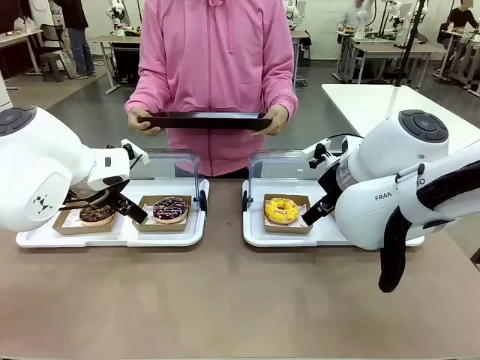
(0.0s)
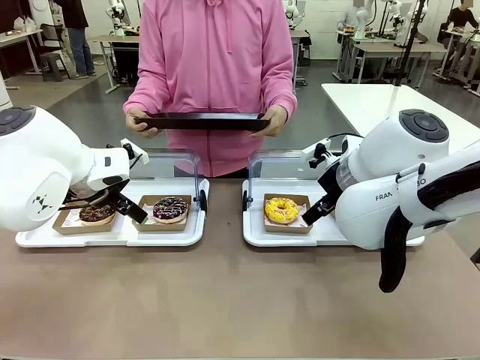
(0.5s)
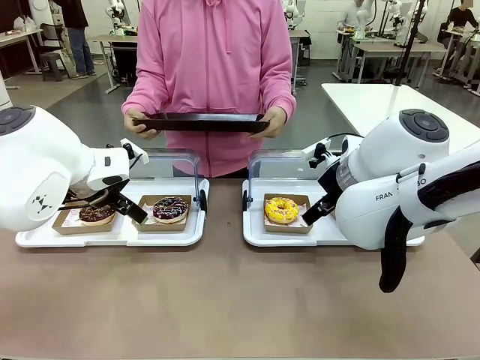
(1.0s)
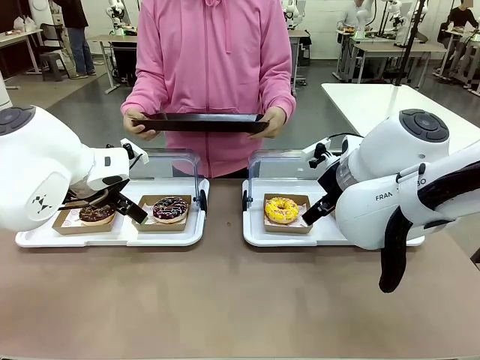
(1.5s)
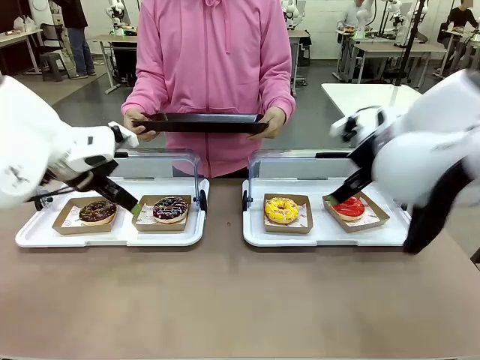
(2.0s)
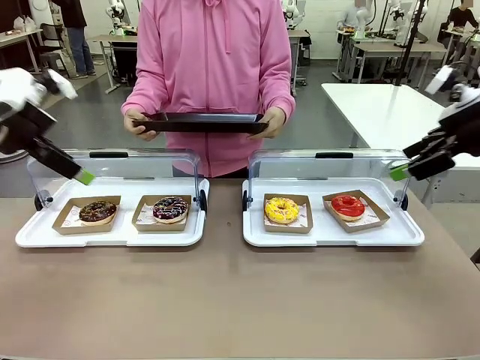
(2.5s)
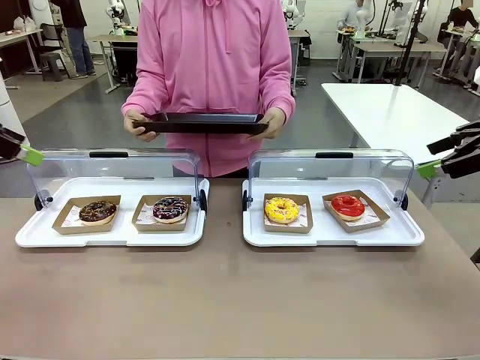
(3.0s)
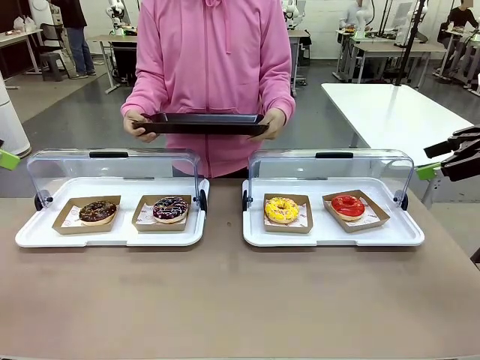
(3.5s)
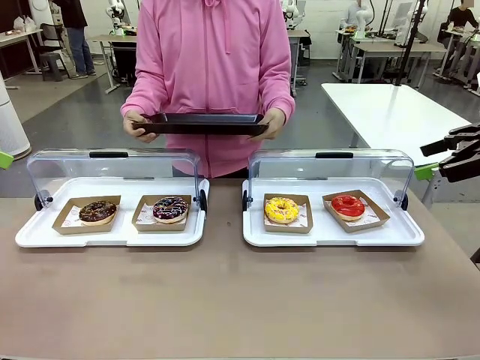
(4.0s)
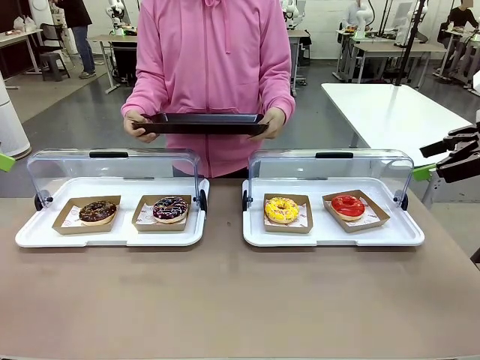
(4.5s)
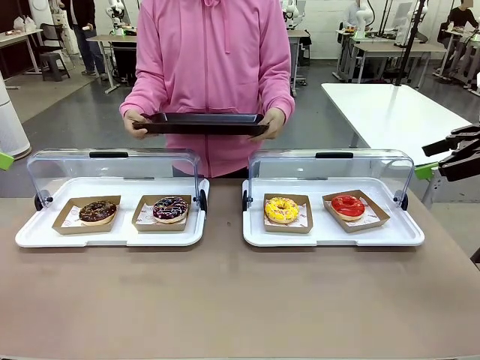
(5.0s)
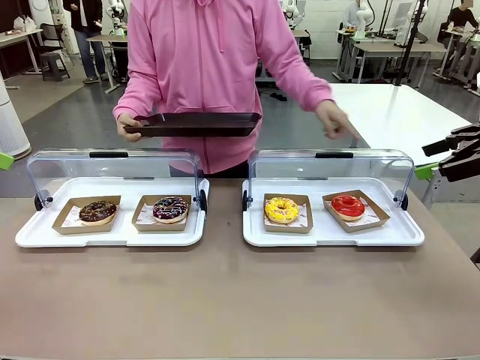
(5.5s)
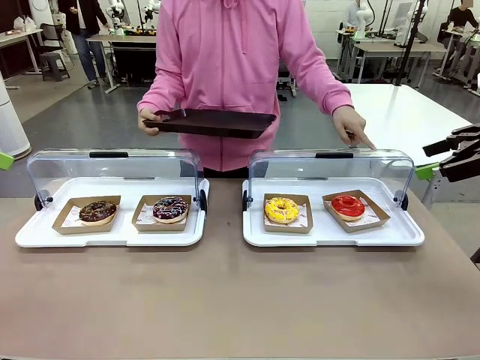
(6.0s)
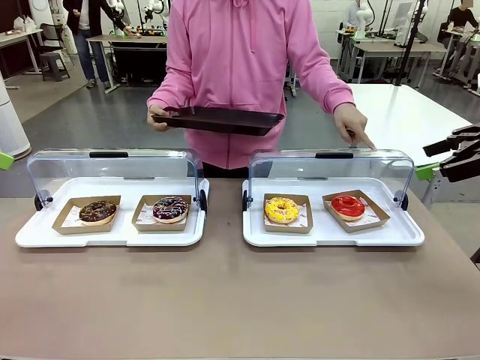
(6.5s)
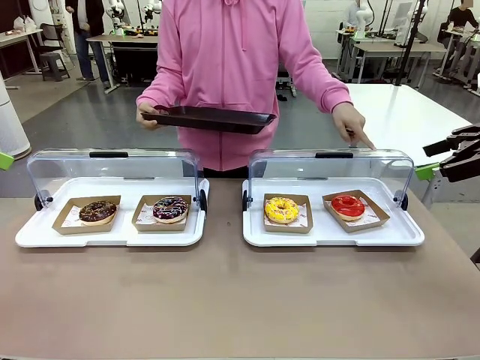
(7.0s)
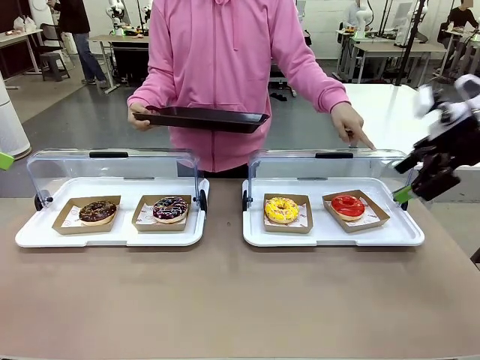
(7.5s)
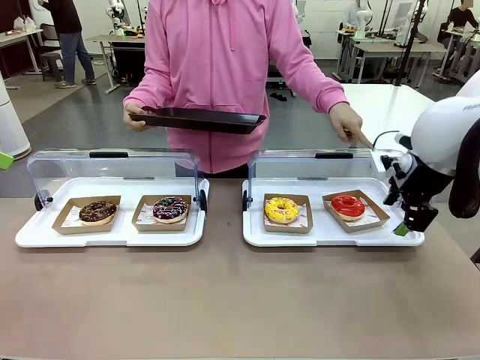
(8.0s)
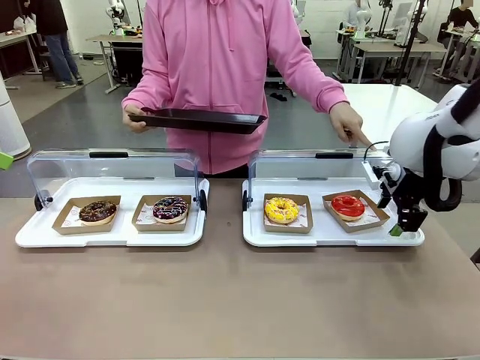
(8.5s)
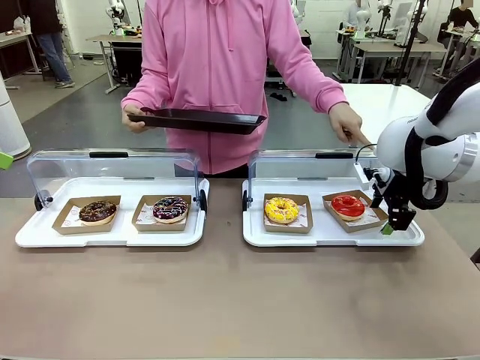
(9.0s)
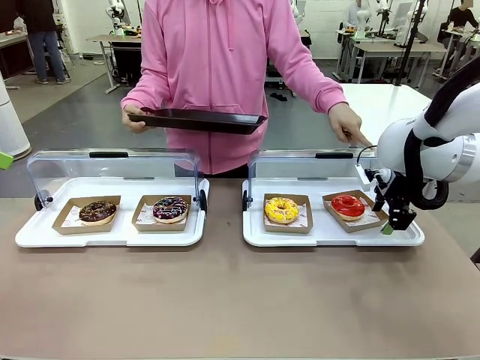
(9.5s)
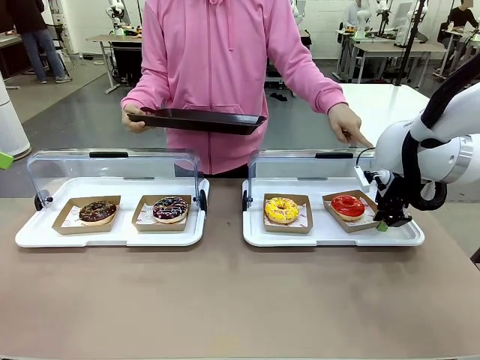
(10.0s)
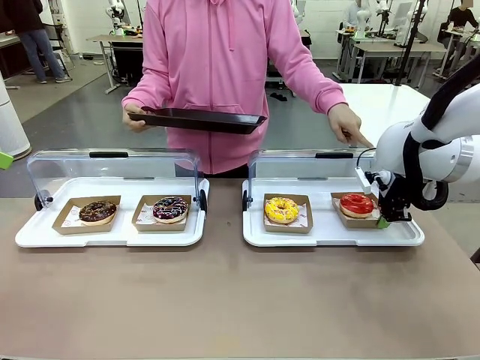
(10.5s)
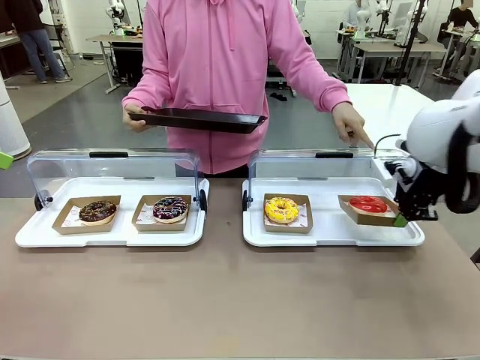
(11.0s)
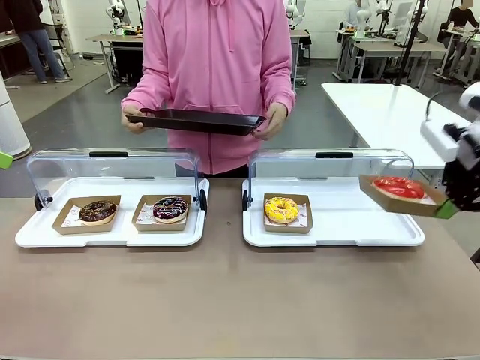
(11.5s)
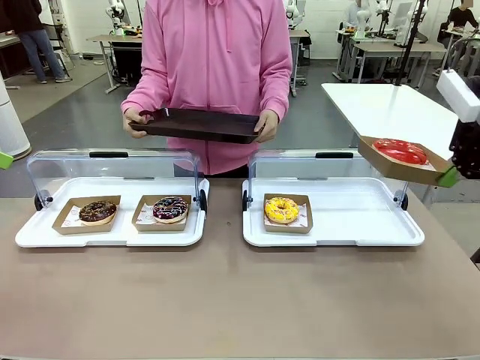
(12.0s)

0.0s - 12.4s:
Task: Provide the desired donut to the person.
Robot: Pick up and lift the Paper togo box containing the Donut pointed at by the person.
Person: Point to one donut. Lift the tray onto the Roll-Top Bakery Case.

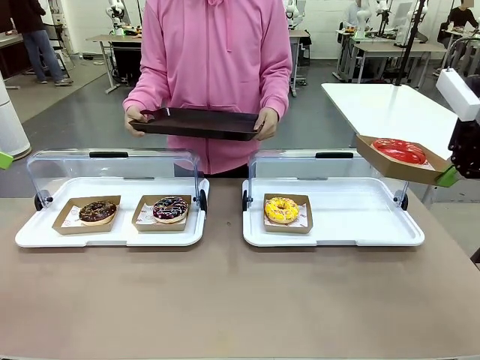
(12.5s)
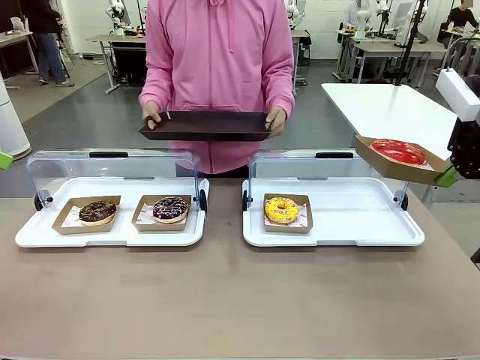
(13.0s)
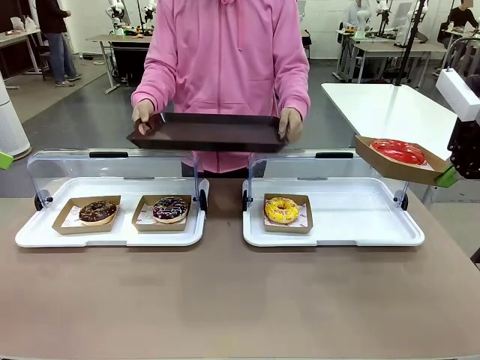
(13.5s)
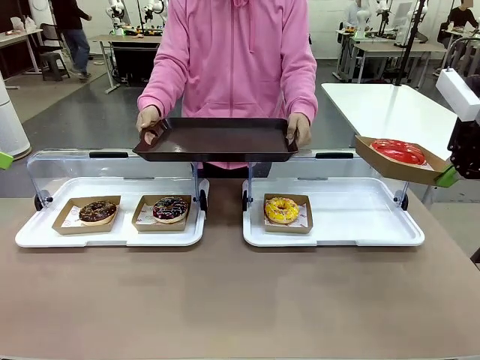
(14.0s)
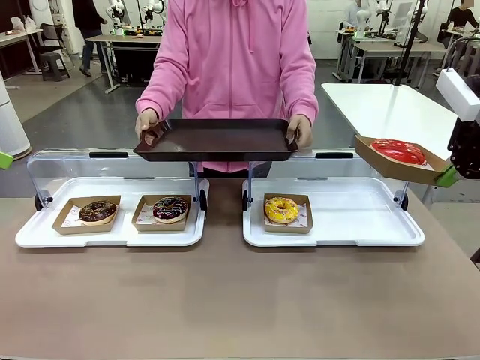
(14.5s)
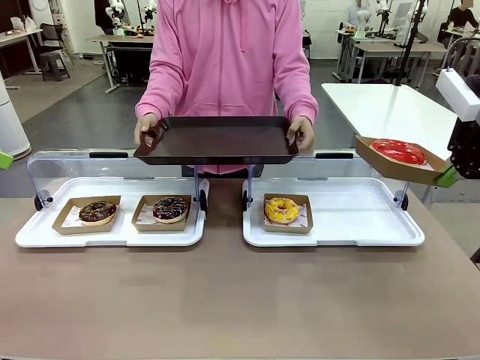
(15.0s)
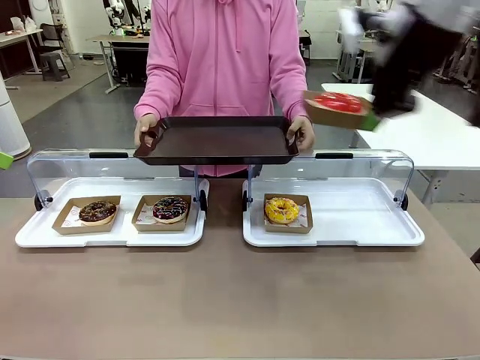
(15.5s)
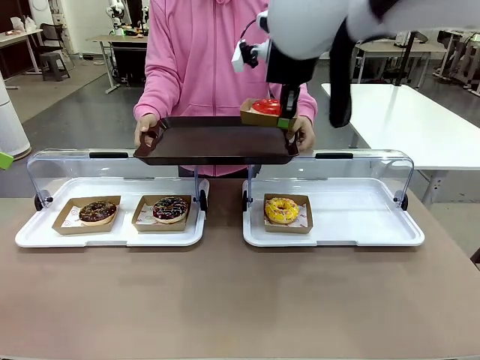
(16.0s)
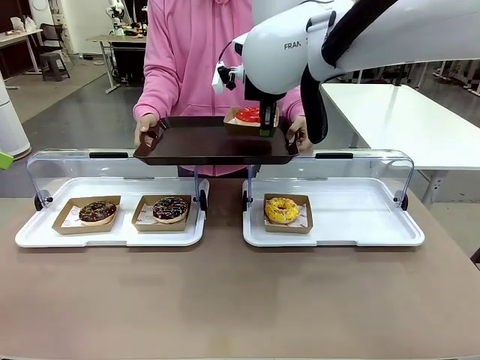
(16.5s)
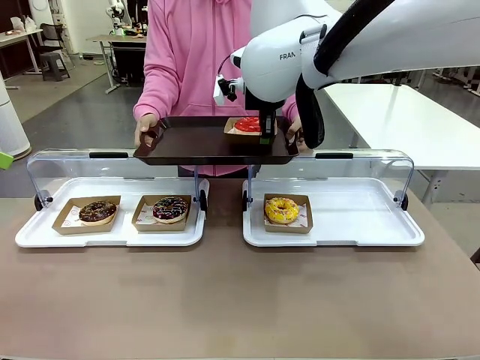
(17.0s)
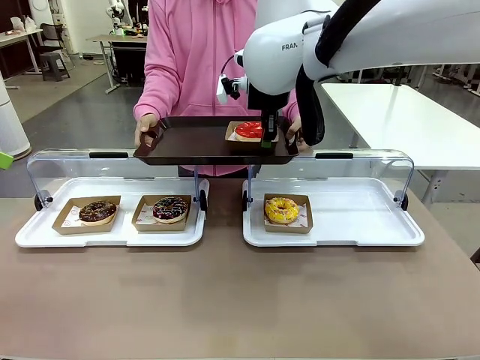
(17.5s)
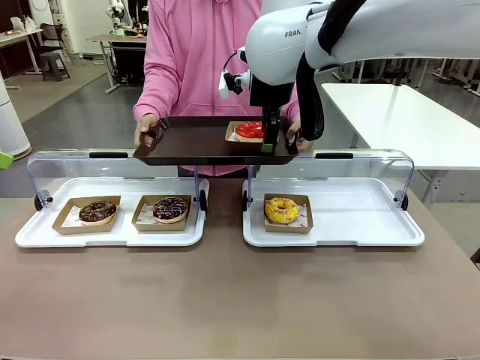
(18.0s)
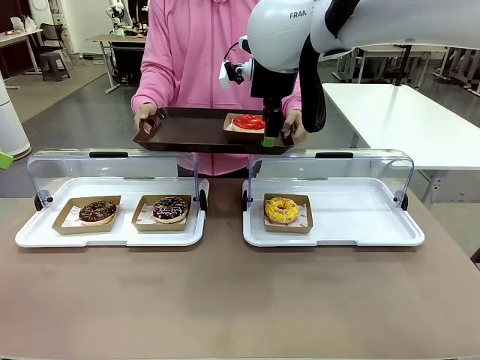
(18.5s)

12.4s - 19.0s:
Robot: Place the picked Paper togo box onto the Handle tray extended by the person.
Person: Point to one donut.

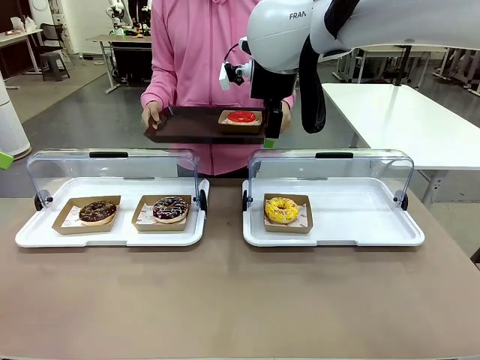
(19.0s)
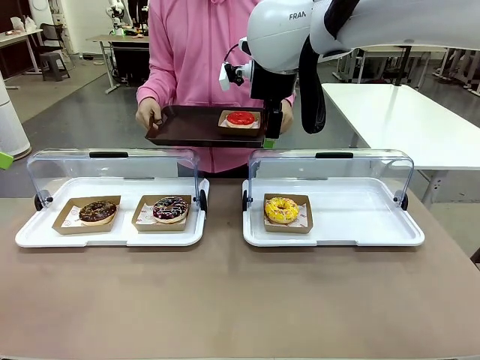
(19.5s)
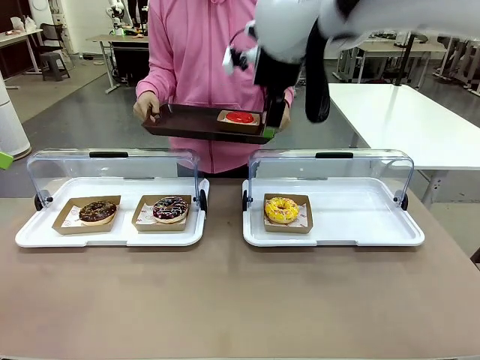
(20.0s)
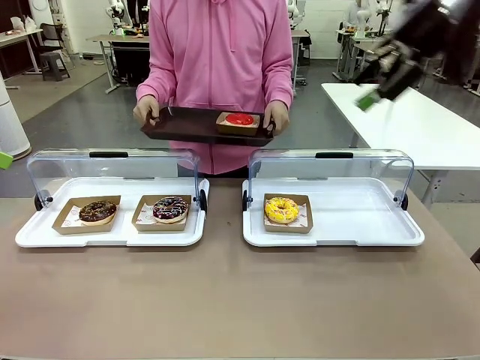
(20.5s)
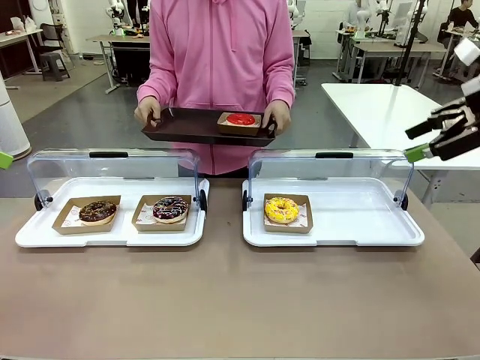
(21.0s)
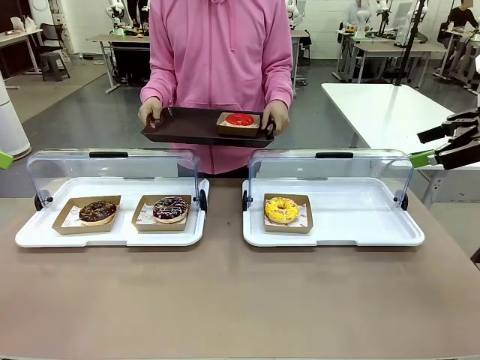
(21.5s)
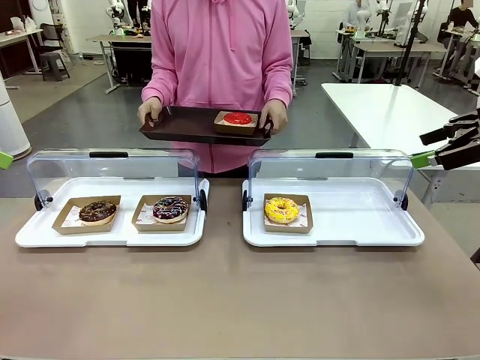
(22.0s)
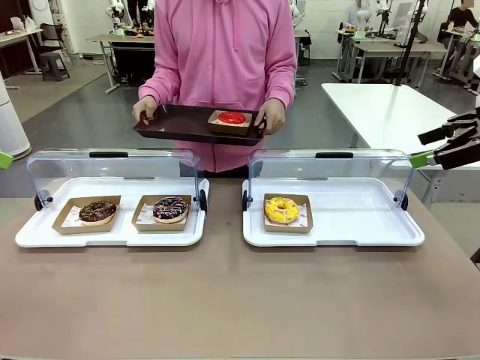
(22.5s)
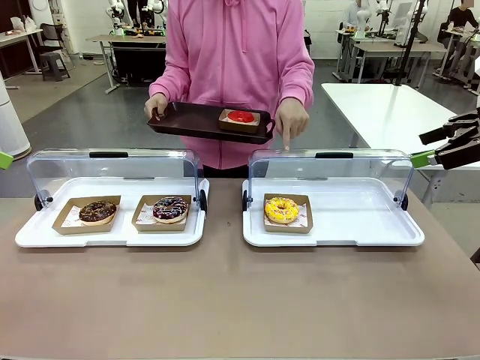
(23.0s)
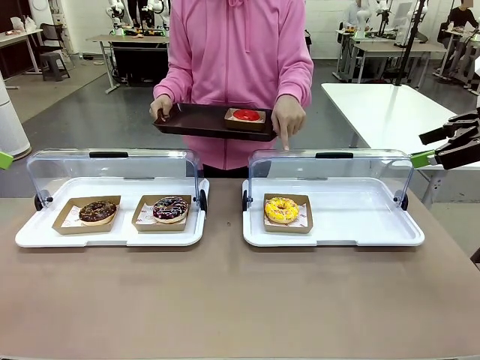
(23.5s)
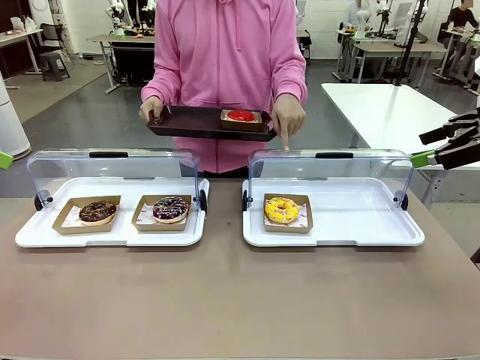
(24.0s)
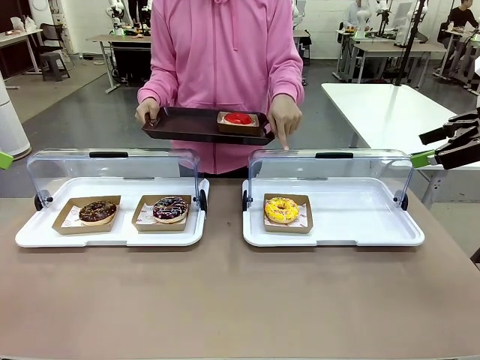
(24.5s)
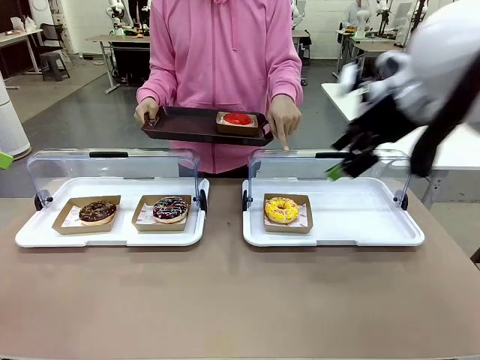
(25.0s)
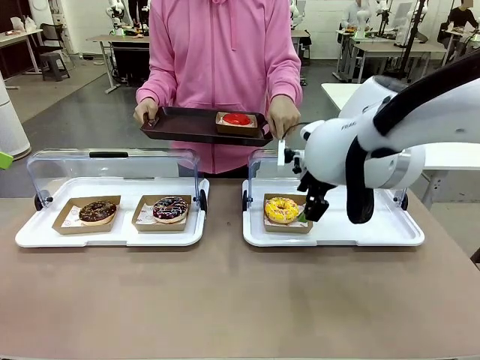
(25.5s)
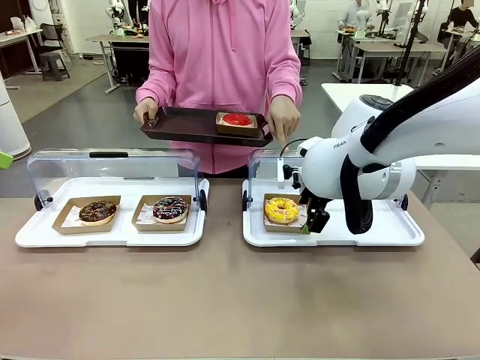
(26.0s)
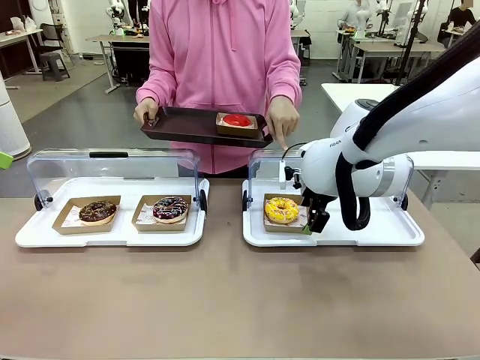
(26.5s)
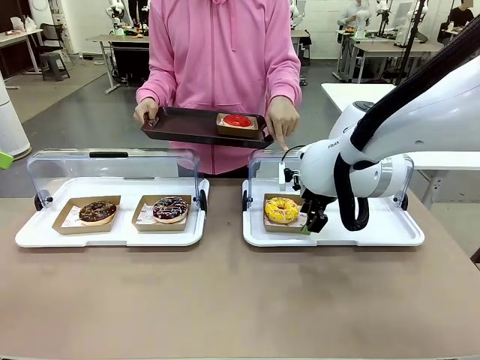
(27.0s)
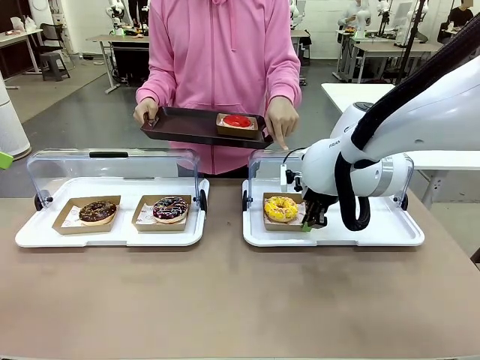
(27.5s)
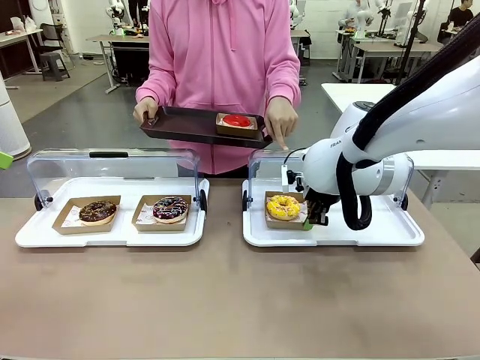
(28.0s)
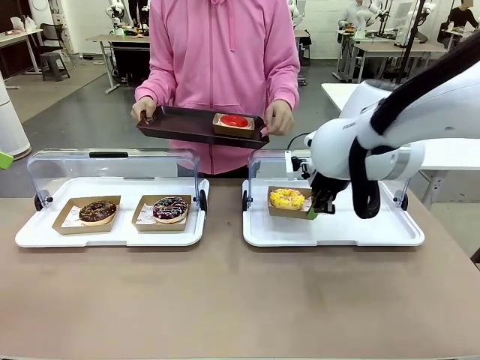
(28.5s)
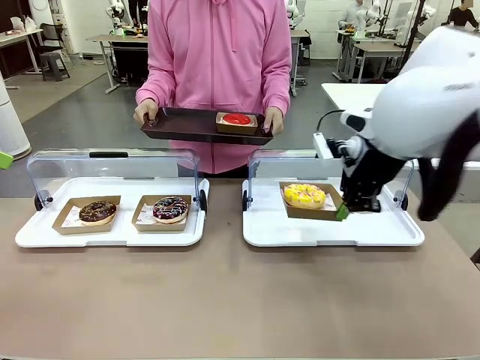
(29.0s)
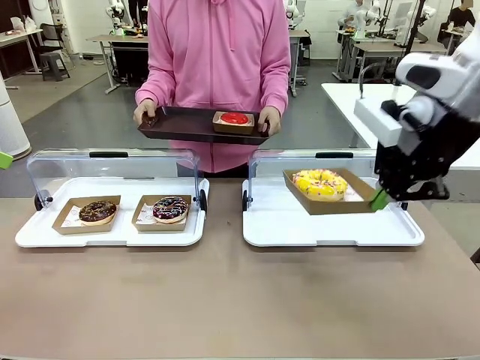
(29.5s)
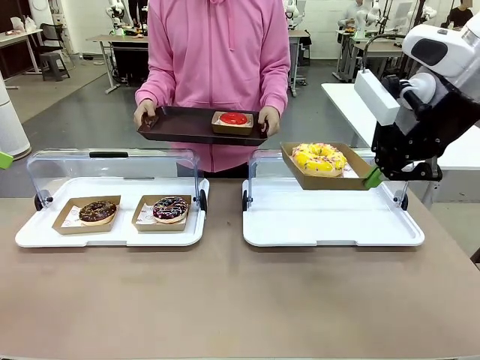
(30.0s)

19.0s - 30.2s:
Robot: Pick up and lift the Paper togo box containing the Donut pointed at by the person.
Person: Lift the tray onto the Roll-Top Bakery Case.
